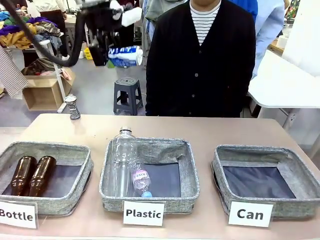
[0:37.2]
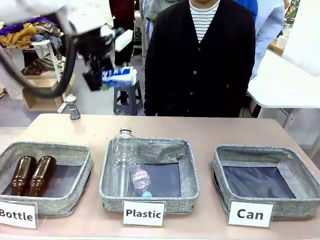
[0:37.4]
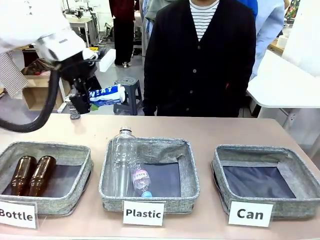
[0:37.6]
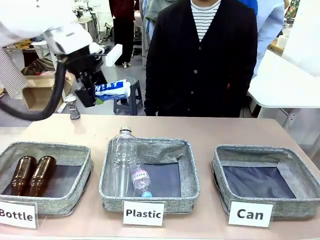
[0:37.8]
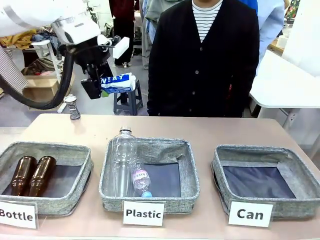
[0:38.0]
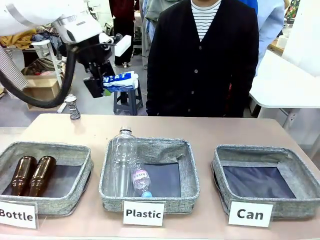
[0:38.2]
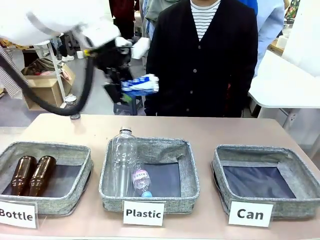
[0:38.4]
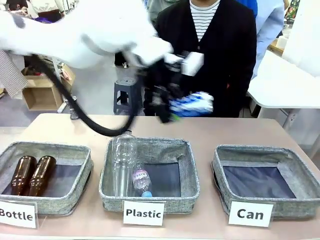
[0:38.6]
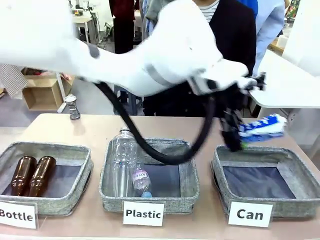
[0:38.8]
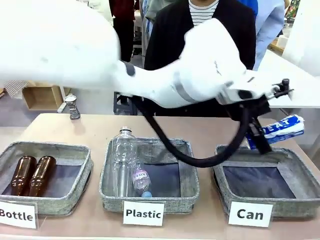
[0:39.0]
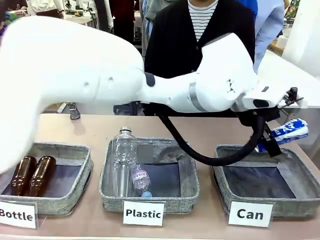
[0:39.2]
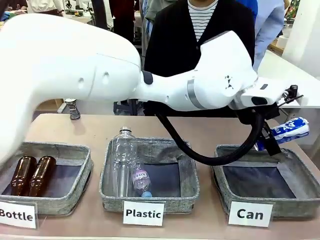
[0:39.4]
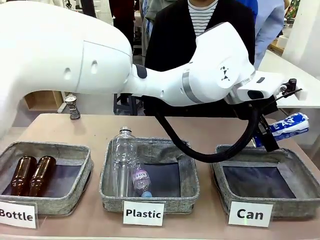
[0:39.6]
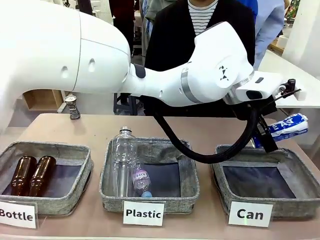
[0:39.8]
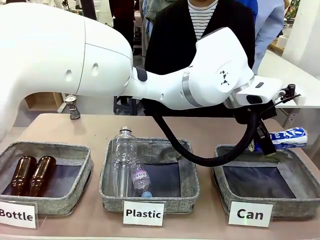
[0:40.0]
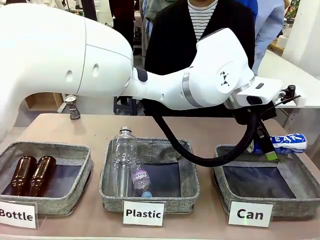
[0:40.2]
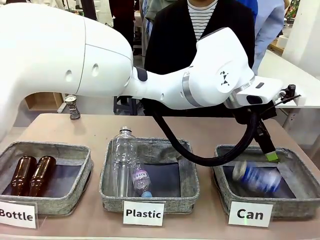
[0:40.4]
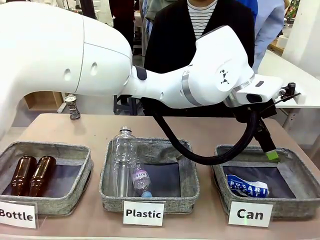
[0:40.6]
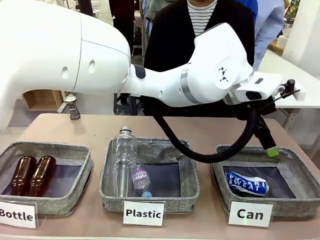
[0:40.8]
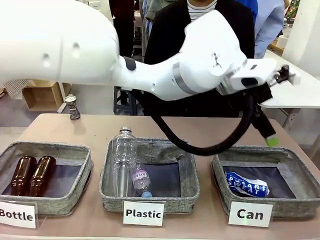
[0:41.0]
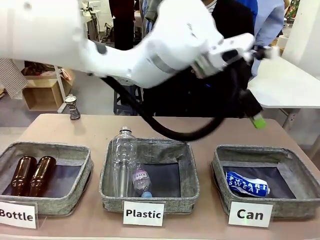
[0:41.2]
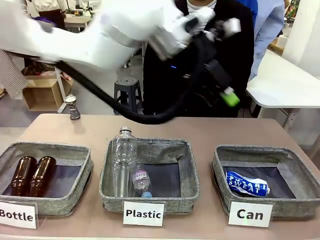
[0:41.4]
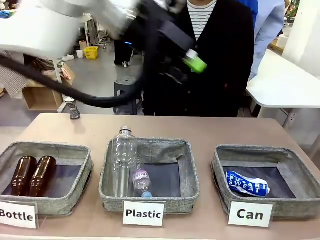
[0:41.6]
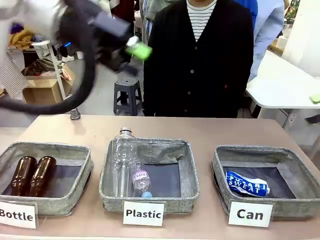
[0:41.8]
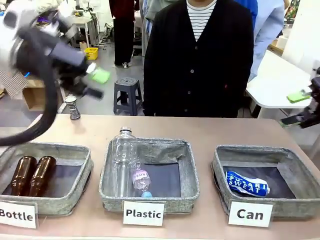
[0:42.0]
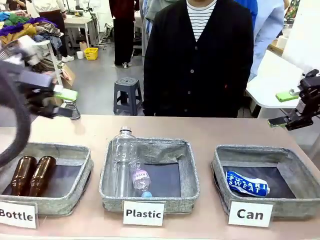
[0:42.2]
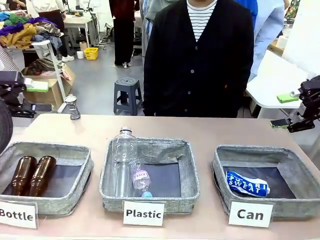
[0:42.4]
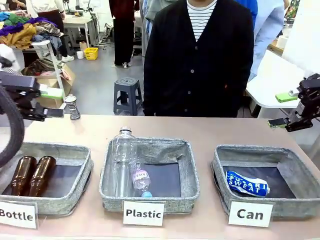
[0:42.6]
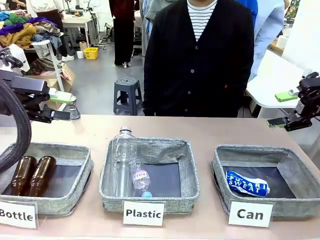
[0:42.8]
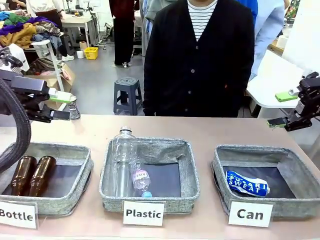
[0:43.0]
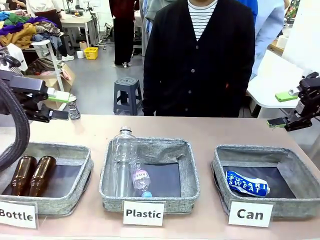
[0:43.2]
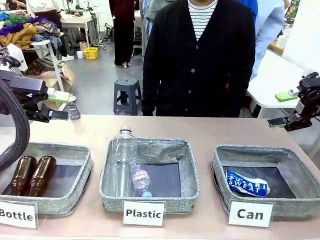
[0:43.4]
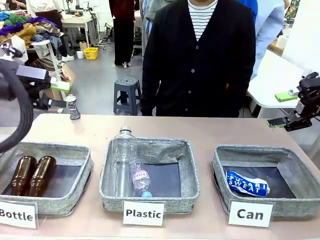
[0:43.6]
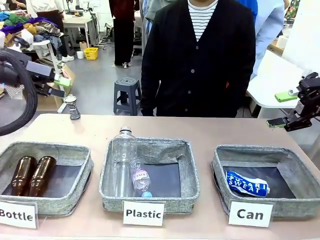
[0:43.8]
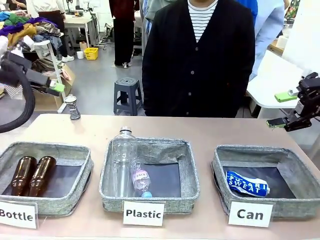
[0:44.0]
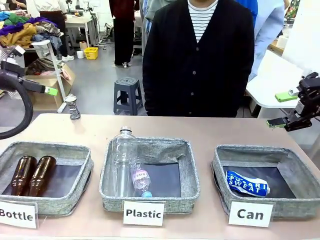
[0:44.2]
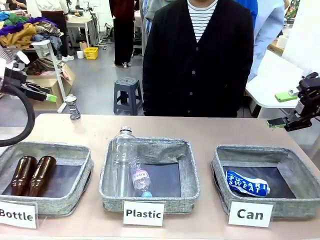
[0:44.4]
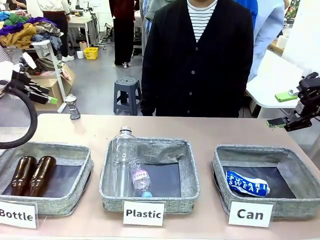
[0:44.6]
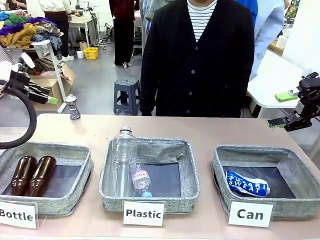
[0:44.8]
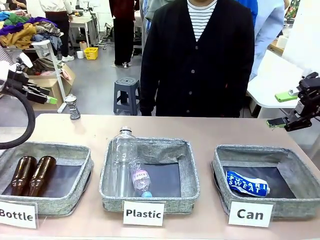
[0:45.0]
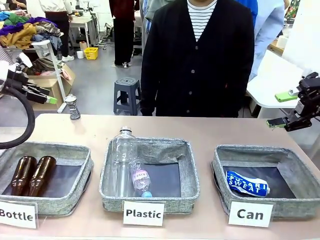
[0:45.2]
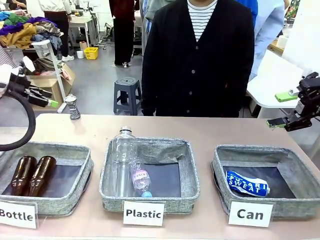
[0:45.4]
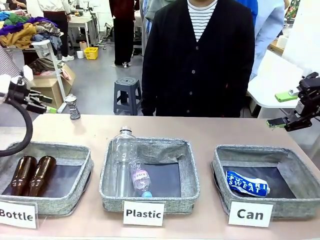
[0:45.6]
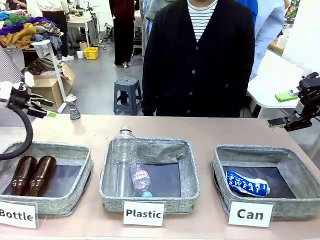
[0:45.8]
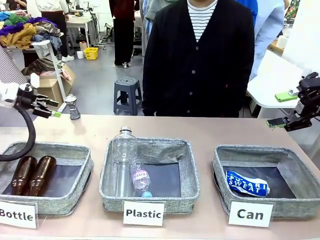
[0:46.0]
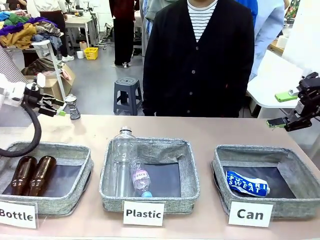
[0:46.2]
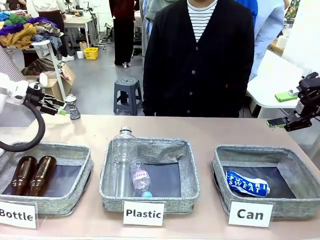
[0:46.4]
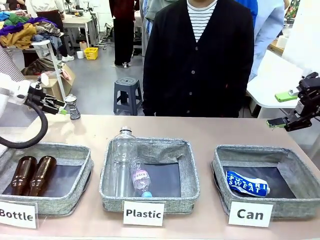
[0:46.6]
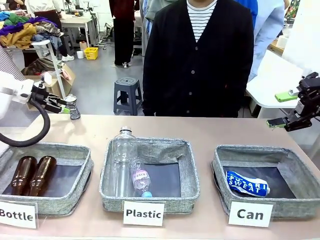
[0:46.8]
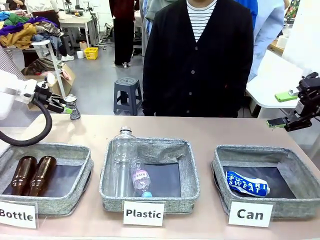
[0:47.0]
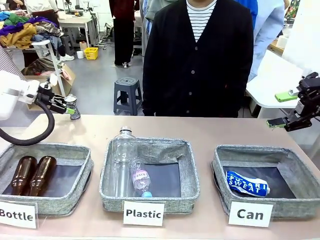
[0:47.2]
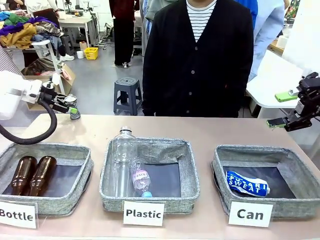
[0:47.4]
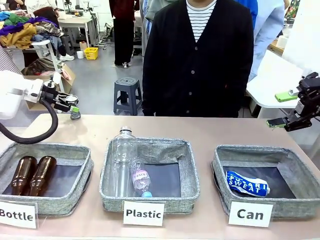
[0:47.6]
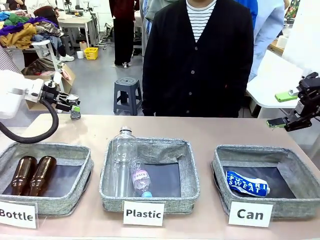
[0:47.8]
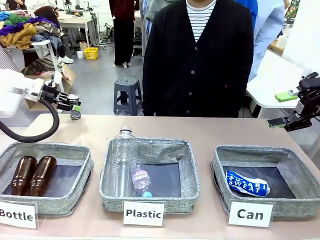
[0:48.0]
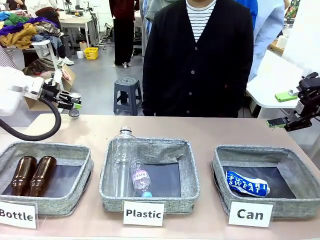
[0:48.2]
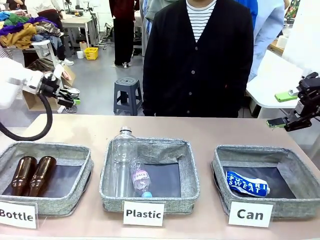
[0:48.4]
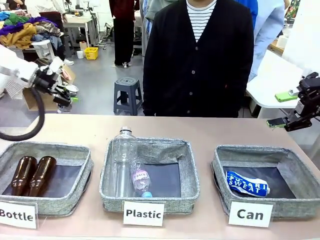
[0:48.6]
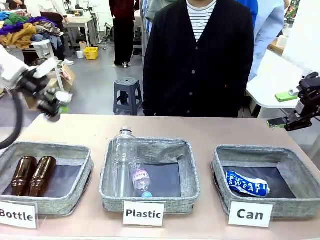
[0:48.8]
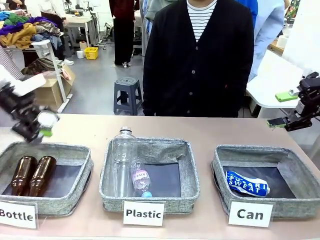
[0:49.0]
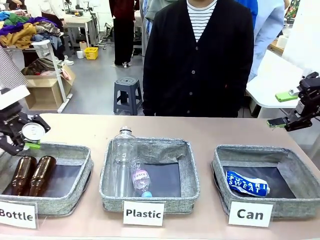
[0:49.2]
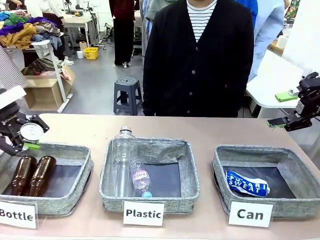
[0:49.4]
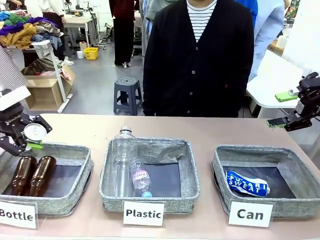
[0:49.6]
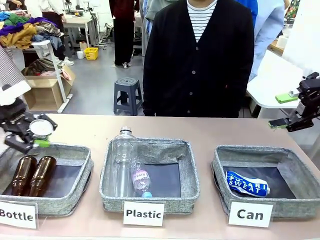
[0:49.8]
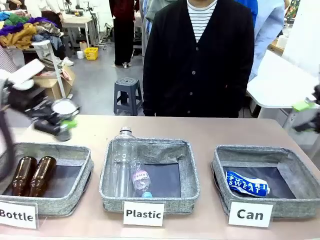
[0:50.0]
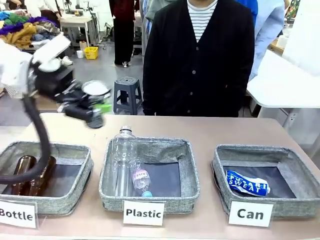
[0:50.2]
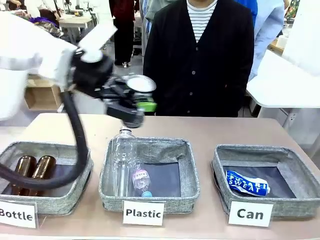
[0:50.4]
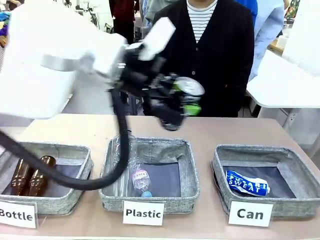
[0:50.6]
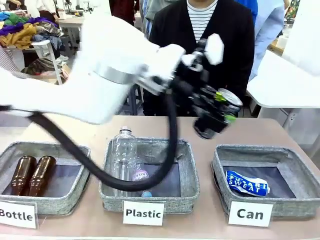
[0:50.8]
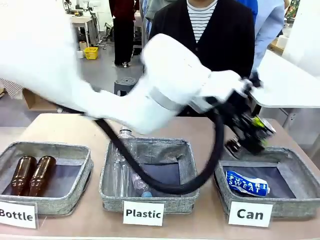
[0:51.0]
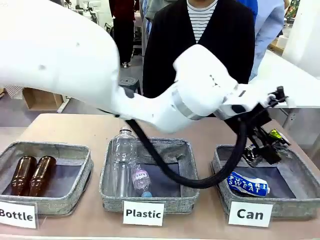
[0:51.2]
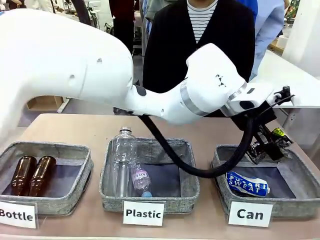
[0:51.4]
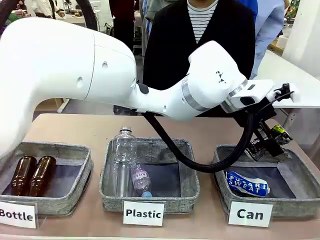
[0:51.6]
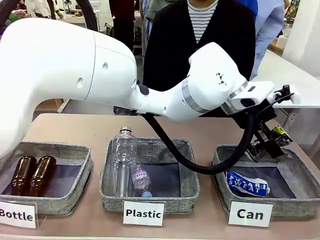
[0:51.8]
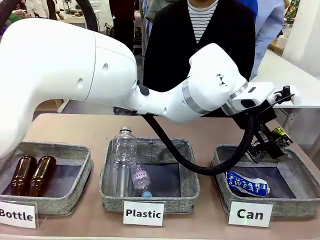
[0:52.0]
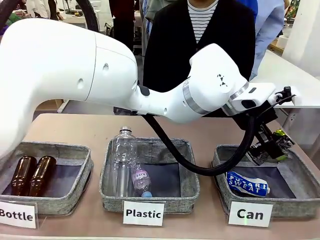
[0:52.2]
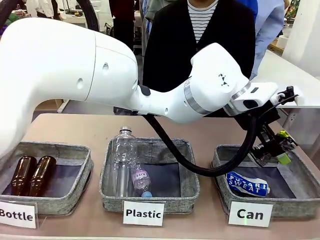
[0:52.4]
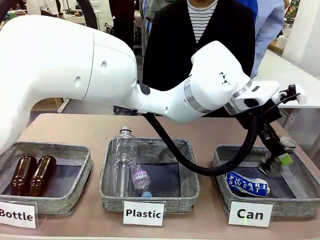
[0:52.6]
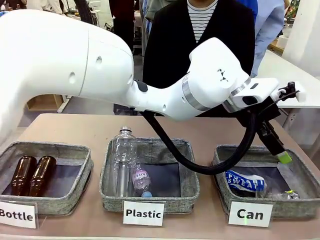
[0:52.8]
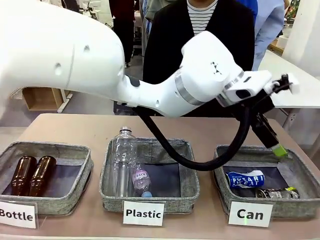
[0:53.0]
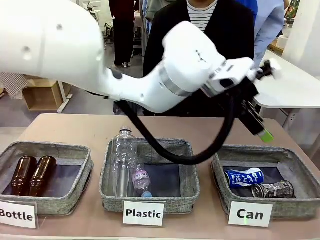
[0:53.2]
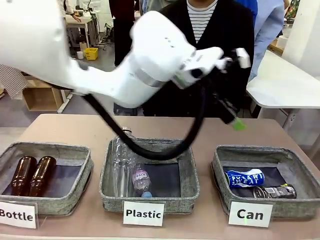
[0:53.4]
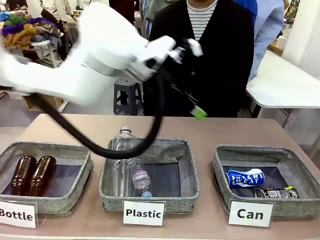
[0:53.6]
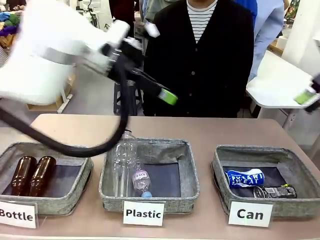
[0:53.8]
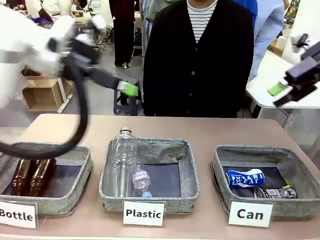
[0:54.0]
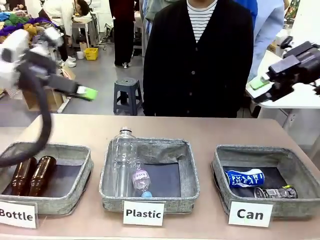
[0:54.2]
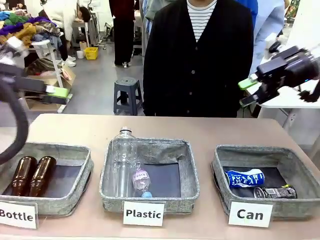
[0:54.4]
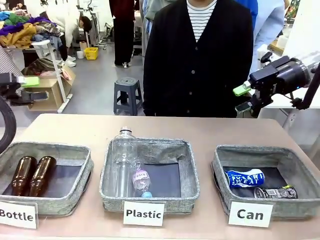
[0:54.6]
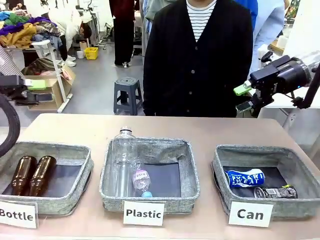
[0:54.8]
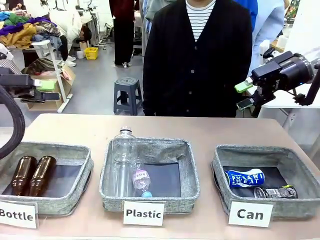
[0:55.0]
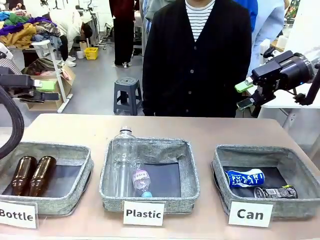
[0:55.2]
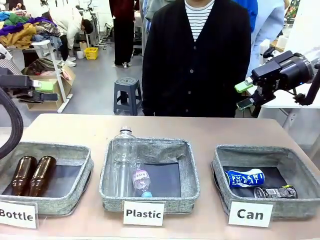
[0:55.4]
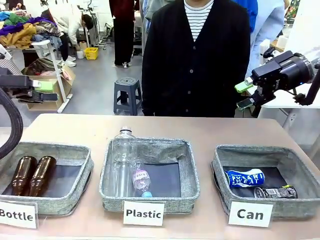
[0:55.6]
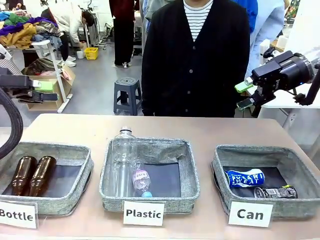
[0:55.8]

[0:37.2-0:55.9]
Task: Sort the can waste into the basket.
Robot: Pick up the can waste from the table and place it in the right Fabric basket.
